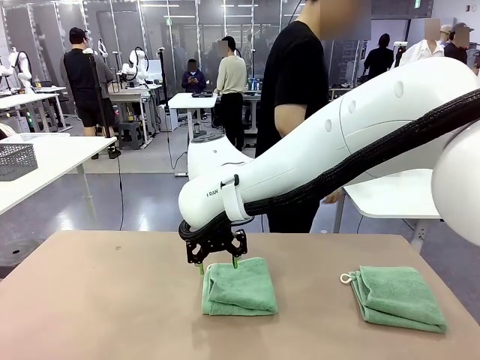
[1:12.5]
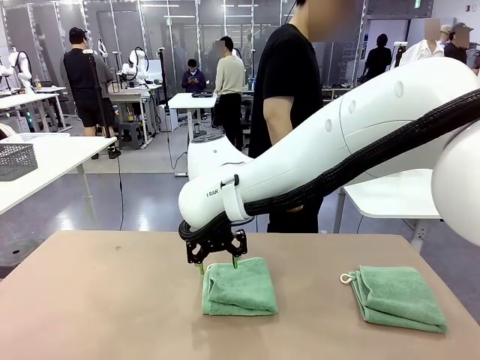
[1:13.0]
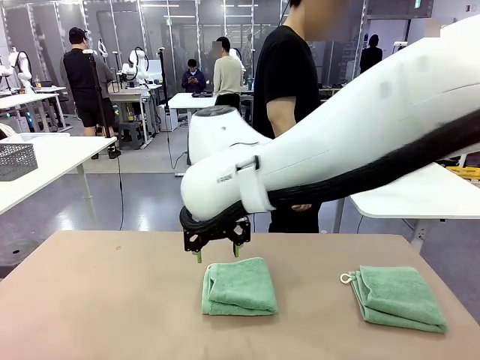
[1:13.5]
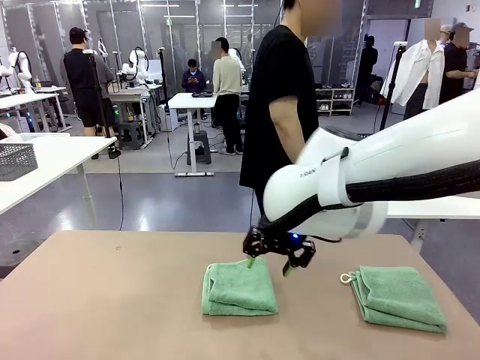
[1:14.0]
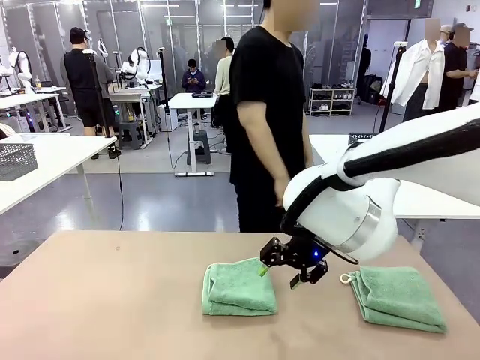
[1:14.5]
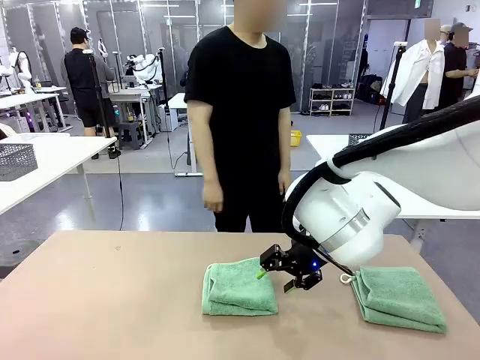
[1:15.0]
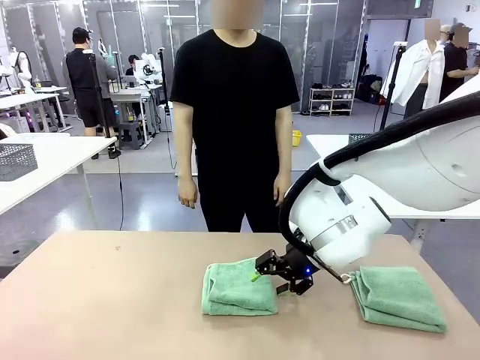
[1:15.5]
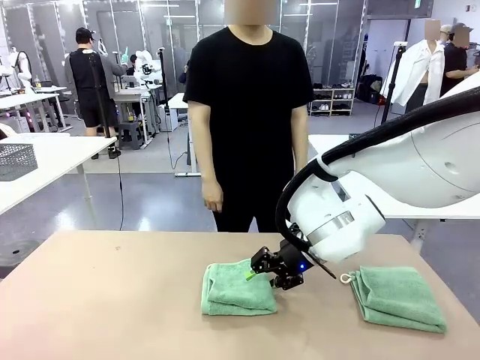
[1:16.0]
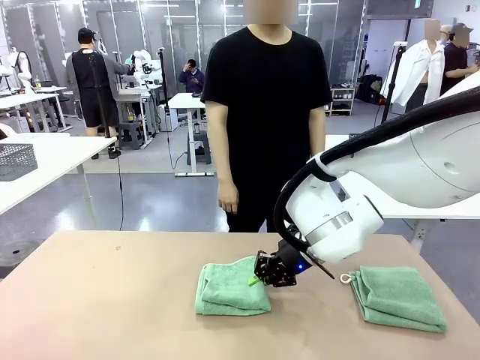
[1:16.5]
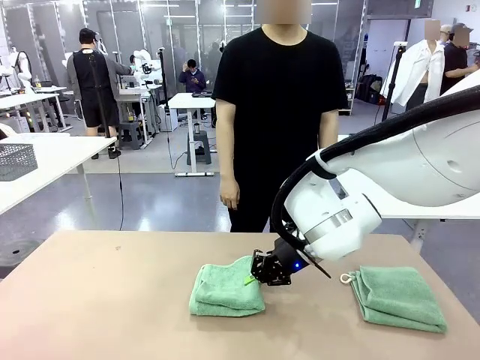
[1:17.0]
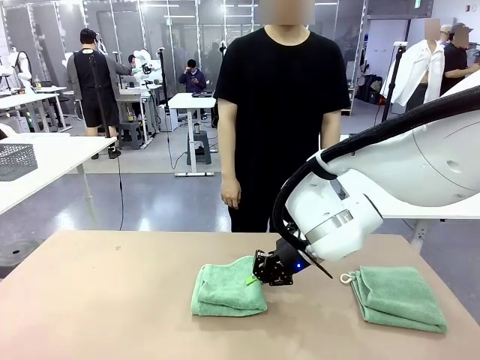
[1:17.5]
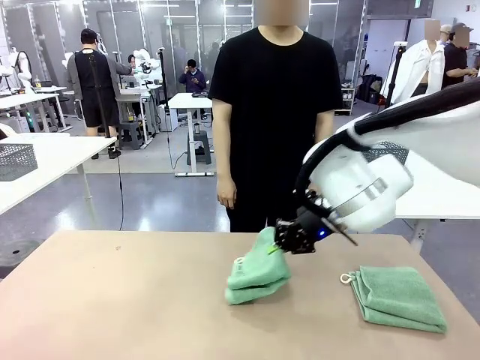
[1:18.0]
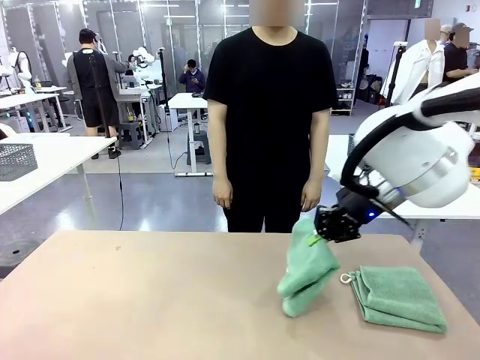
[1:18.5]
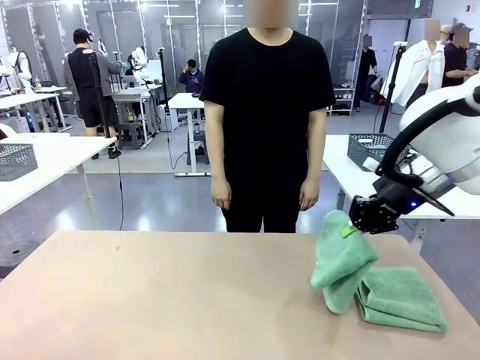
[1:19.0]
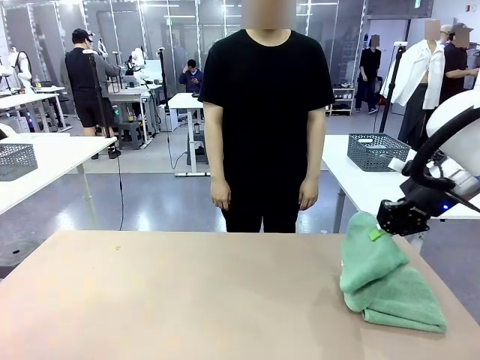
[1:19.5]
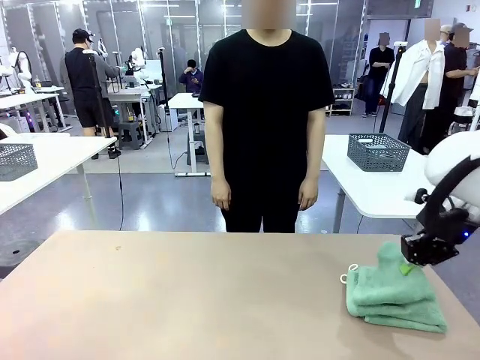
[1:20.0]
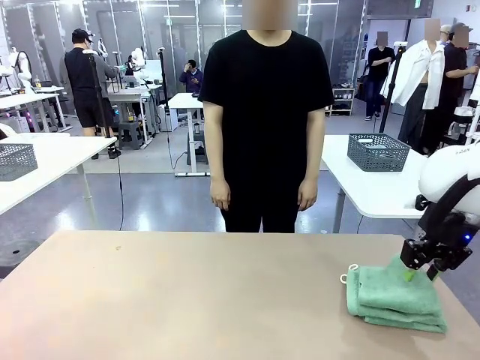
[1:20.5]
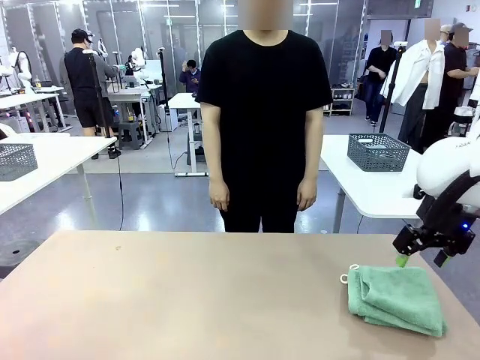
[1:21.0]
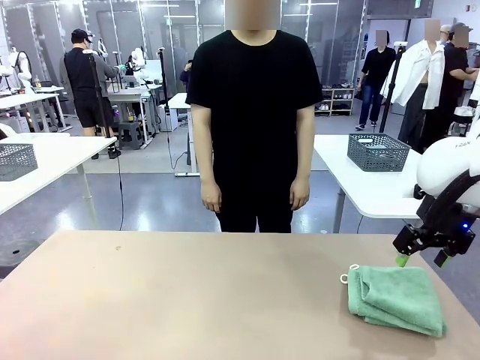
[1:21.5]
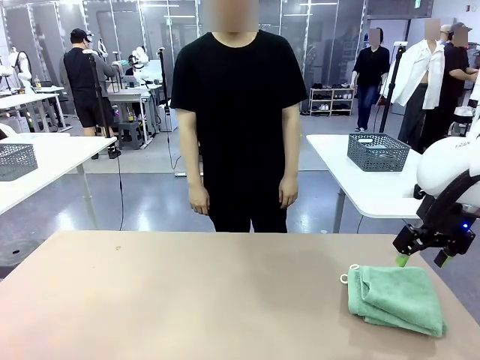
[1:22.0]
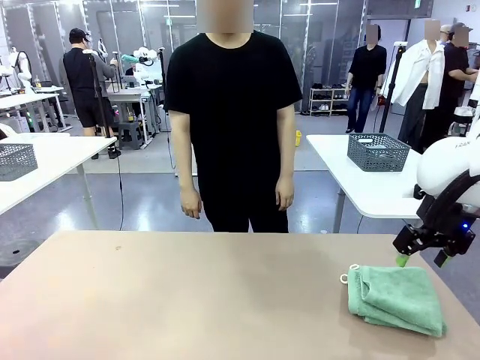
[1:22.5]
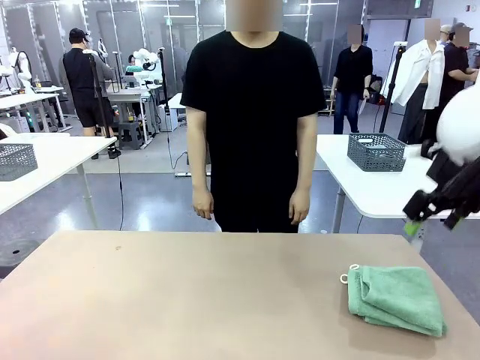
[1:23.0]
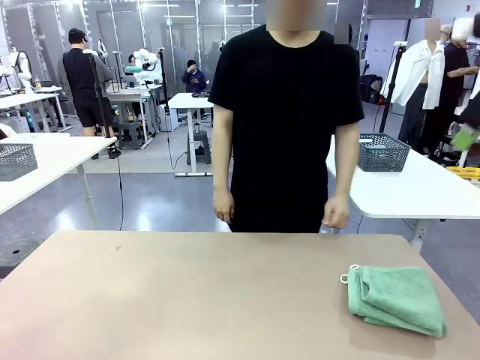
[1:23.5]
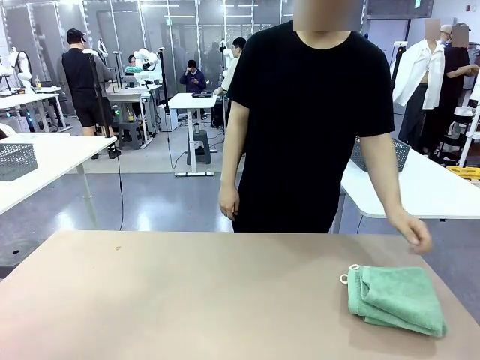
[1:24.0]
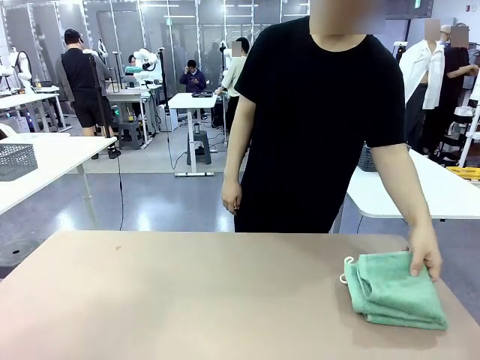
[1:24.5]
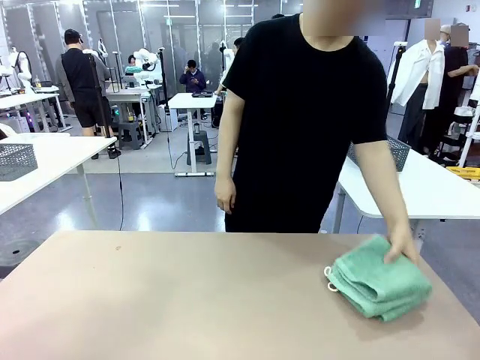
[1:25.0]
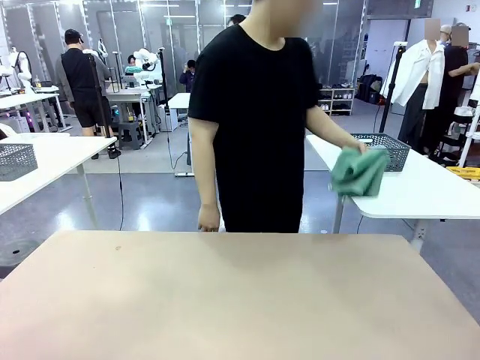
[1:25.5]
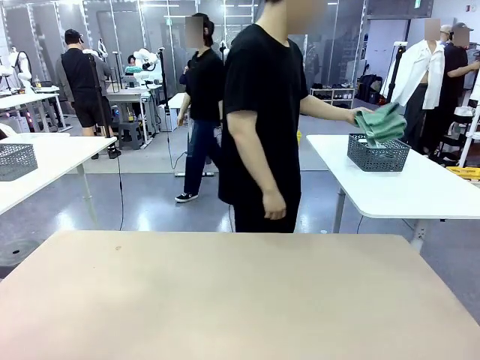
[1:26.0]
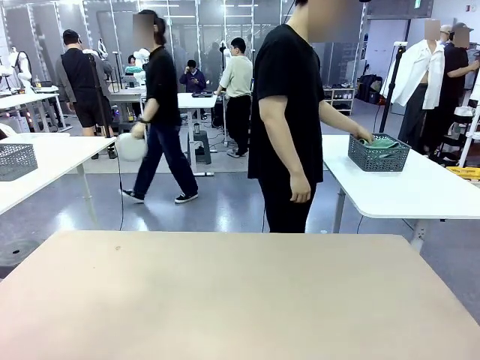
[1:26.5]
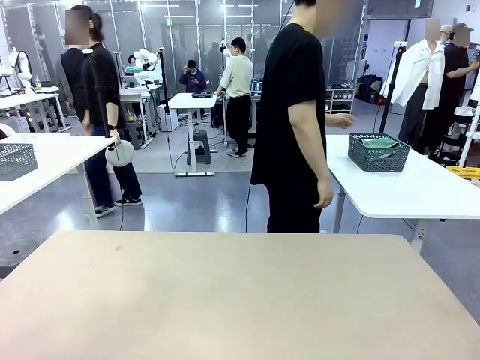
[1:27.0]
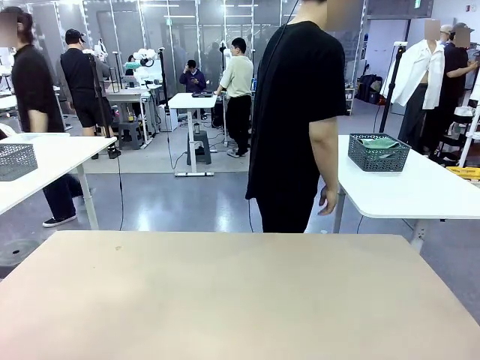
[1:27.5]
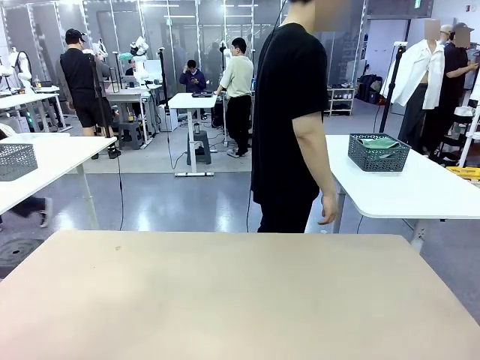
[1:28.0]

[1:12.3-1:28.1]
Task: Fold the towels and place them in the basket.
Robot: Stack the folded Towel with hook on the right side of the table.
Person: Pick up the stack of towels from the robot table and place it into the basket.

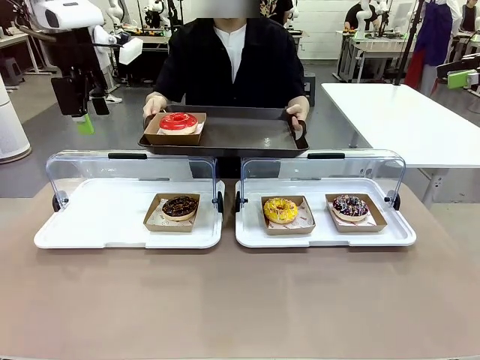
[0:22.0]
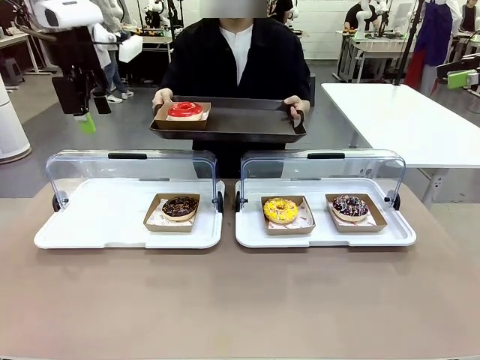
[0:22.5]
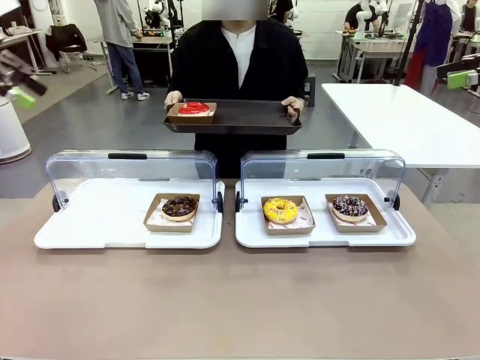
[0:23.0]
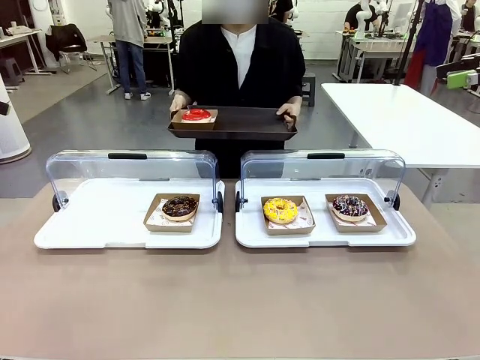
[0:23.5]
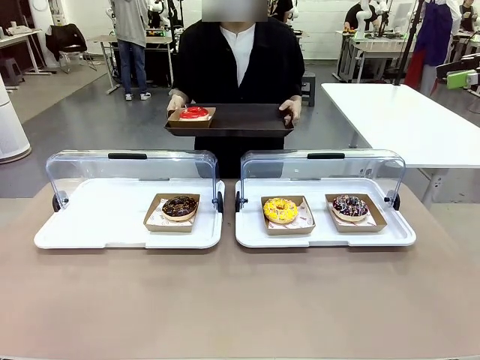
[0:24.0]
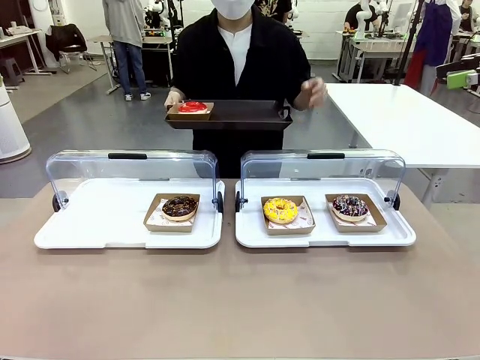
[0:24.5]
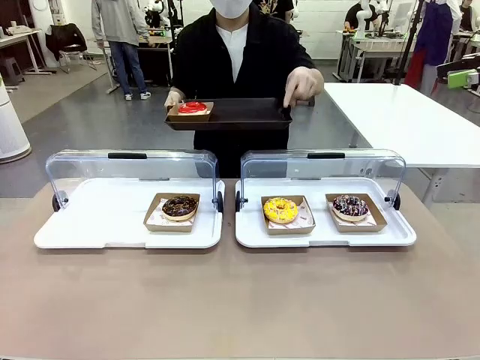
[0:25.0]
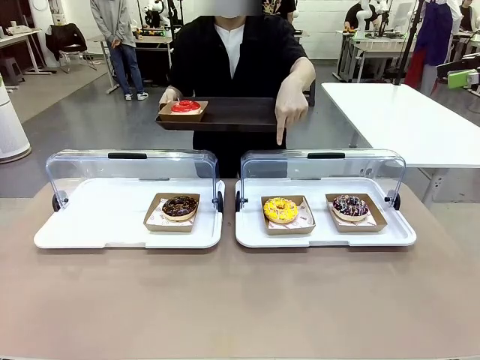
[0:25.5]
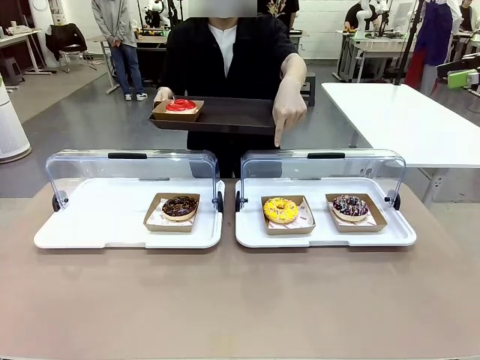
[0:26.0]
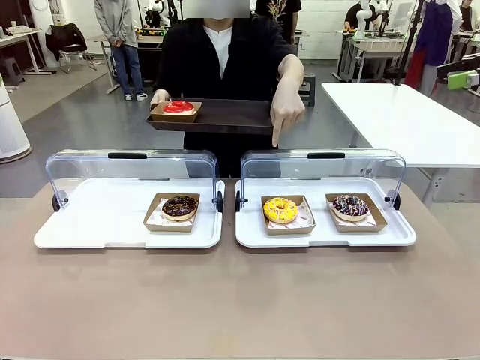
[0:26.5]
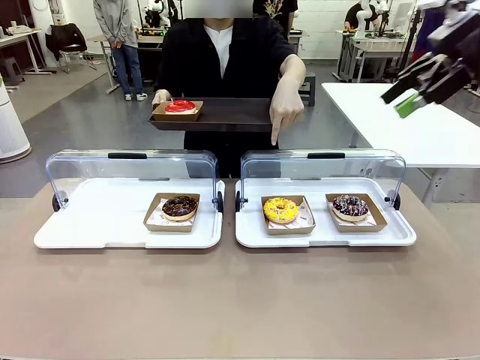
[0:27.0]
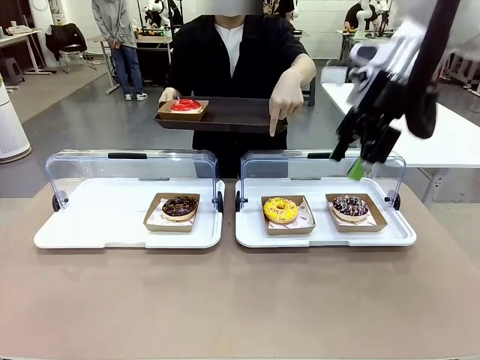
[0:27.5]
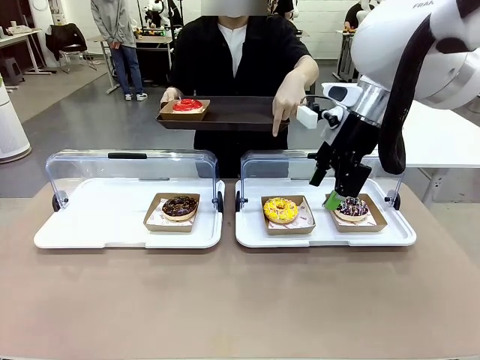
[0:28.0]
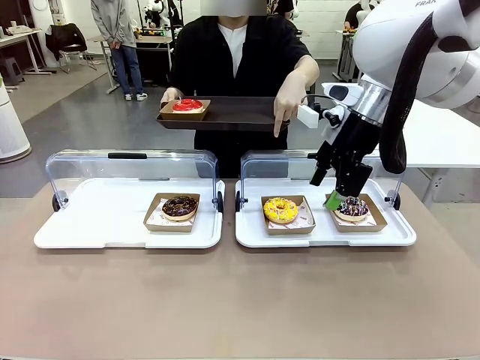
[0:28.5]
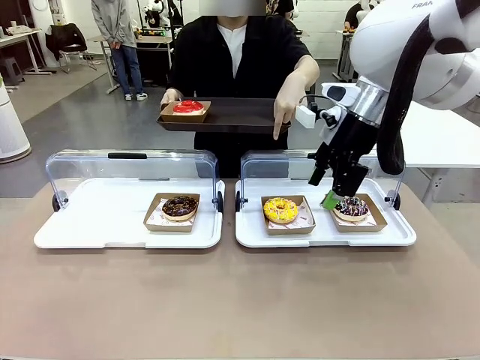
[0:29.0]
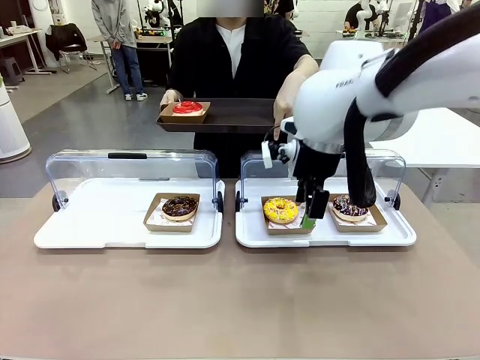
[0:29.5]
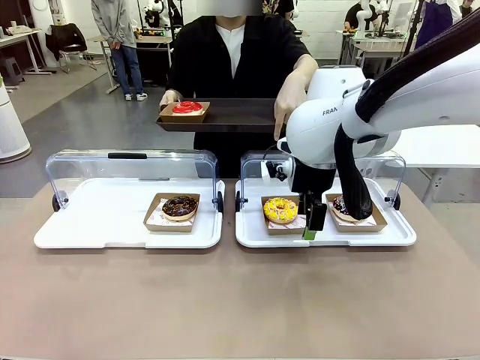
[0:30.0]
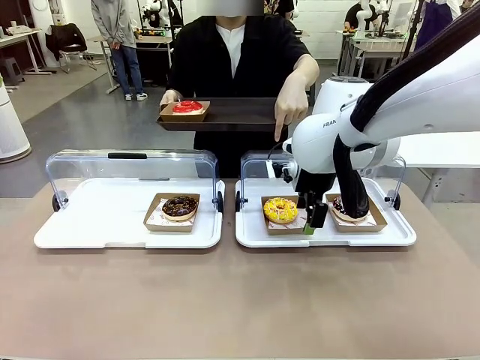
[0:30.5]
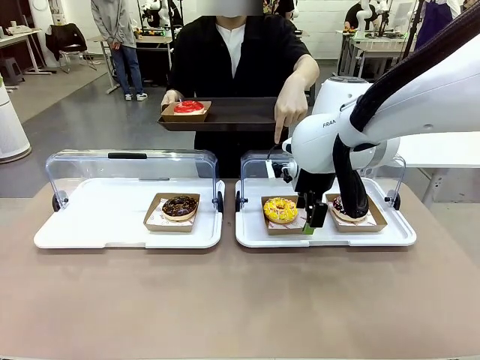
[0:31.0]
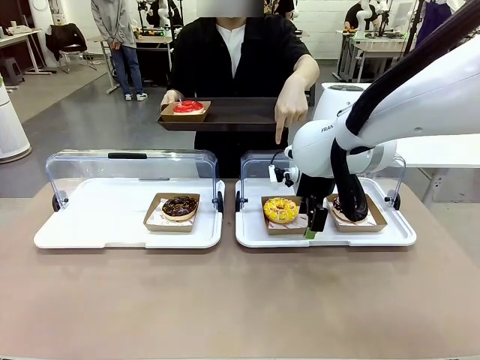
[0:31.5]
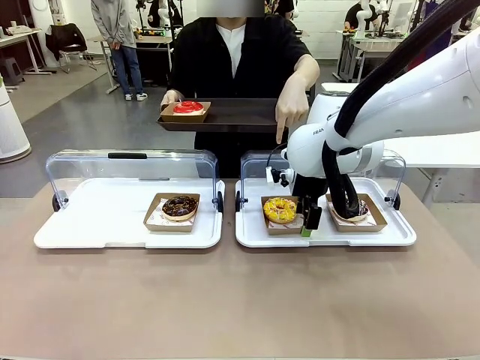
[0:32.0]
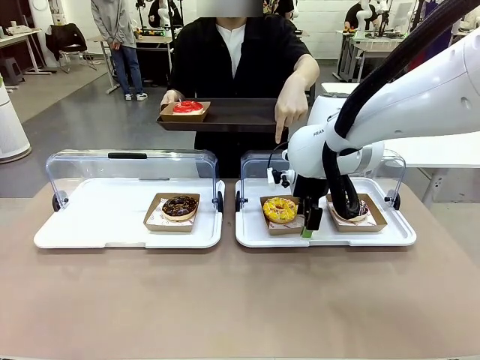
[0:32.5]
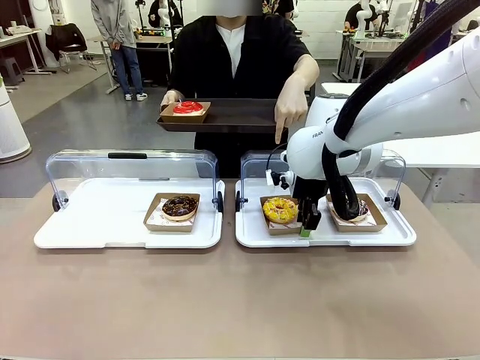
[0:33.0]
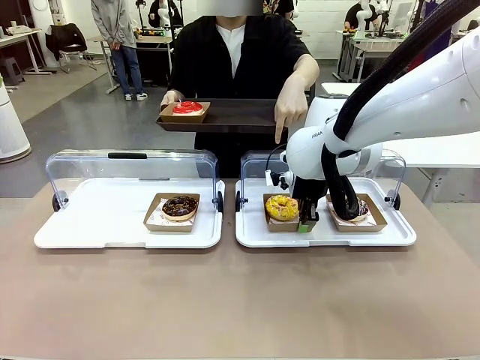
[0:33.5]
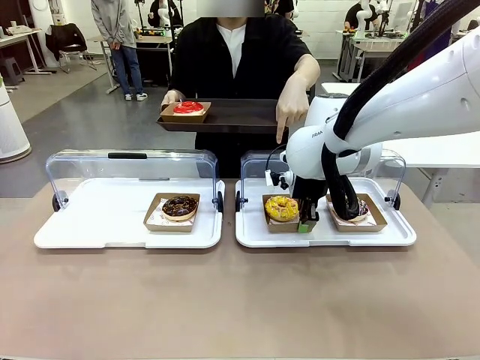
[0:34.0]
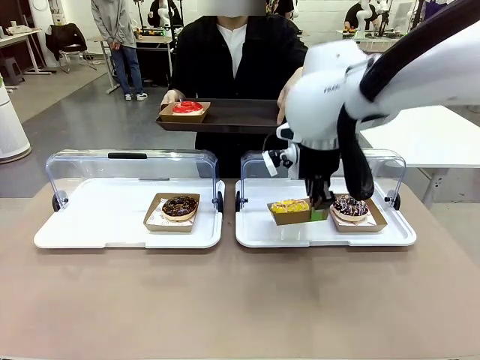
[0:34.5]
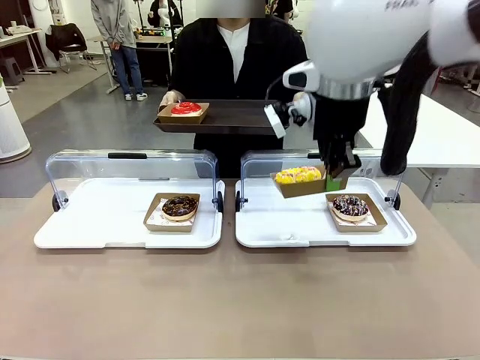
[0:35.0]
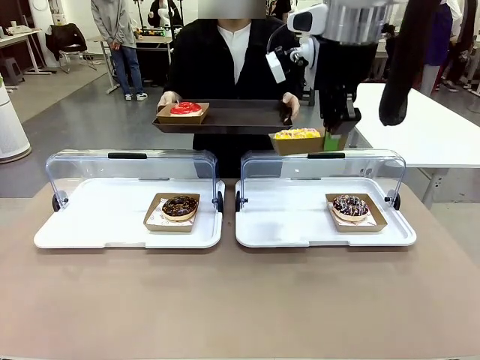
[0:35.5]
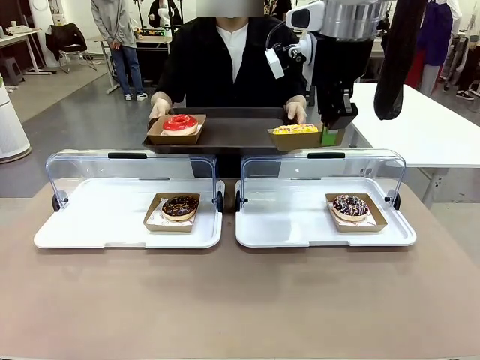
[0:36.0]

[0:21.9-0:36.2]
Task: Provide the desired donut to the person.
Robot: Pick up and lift the Paper togo box containing the Donut pointed at by the person.
Person: Point to one donut. Lift the tray onto the Roll-Top Bakery Case.
